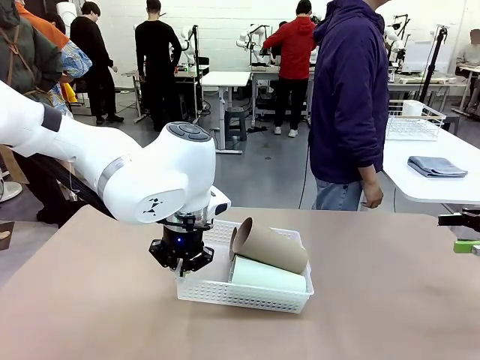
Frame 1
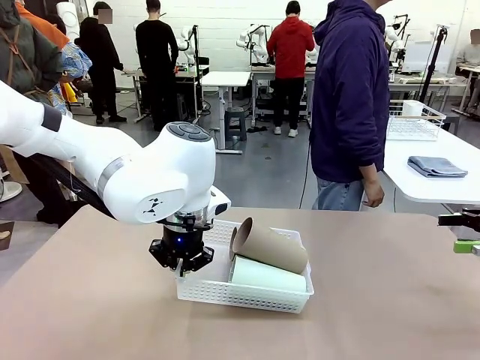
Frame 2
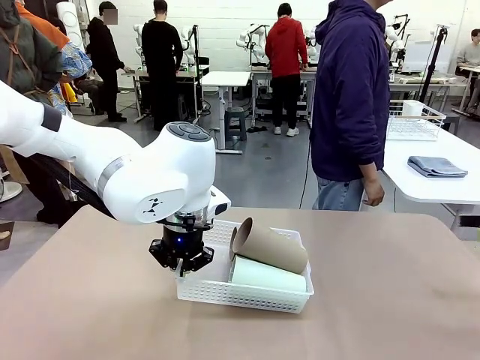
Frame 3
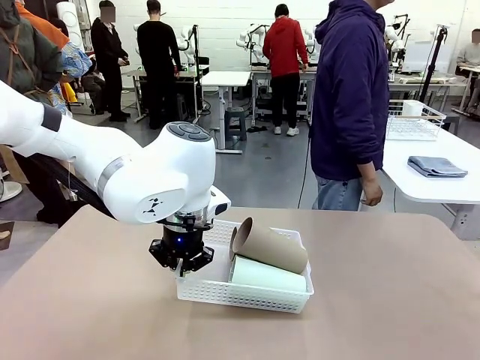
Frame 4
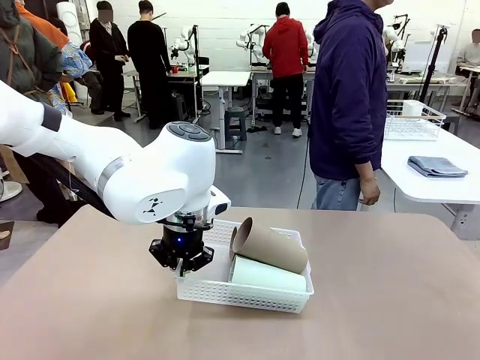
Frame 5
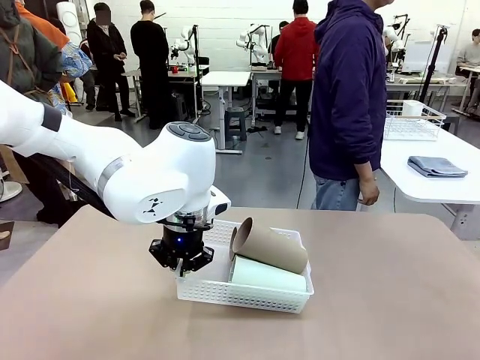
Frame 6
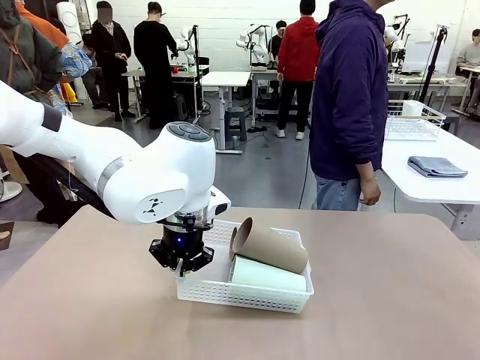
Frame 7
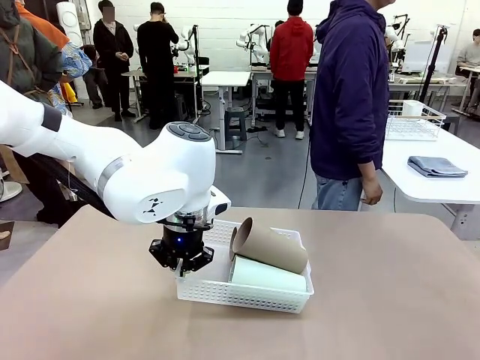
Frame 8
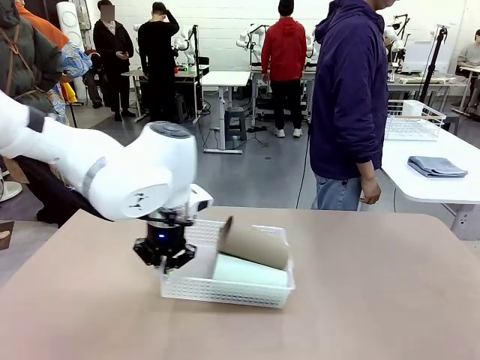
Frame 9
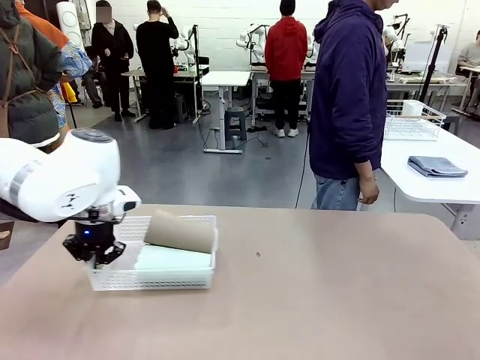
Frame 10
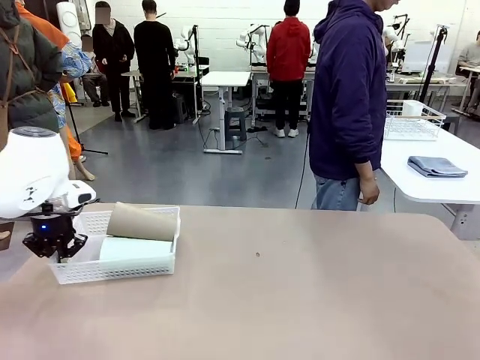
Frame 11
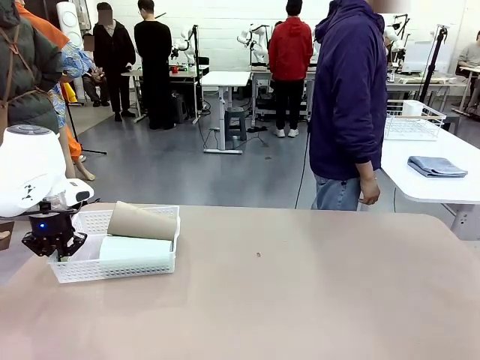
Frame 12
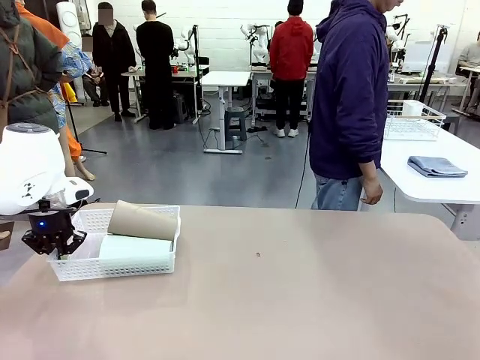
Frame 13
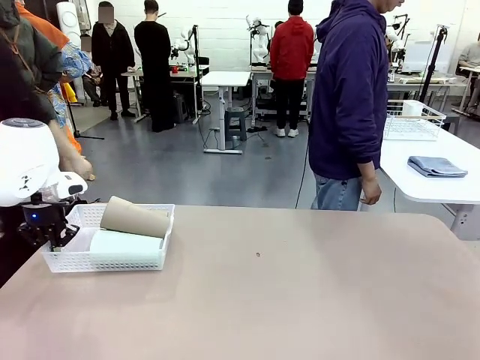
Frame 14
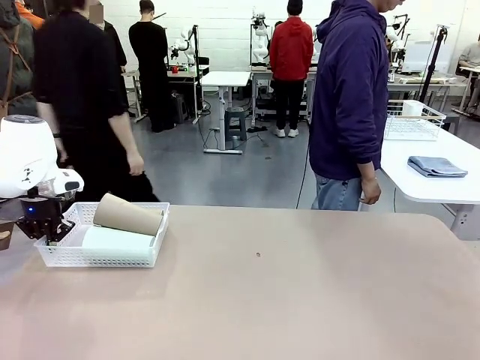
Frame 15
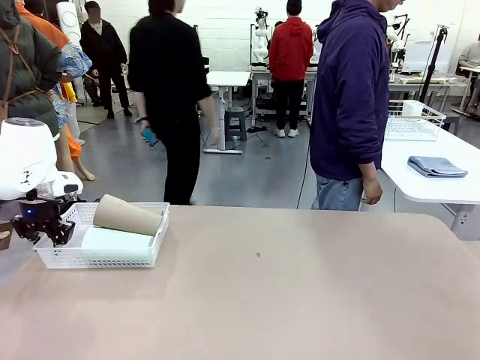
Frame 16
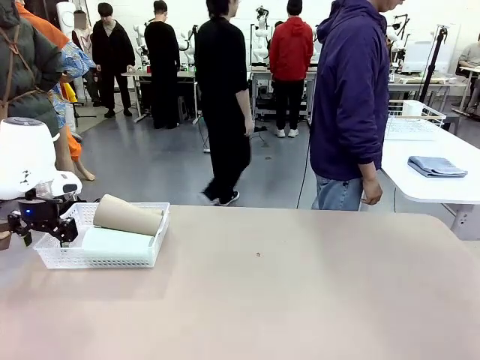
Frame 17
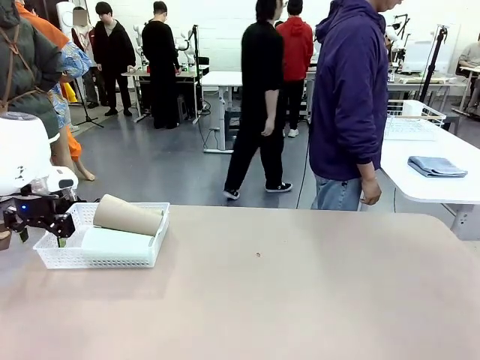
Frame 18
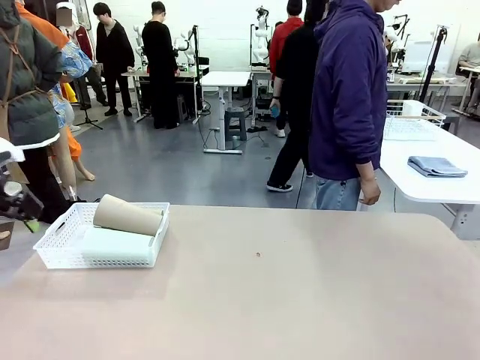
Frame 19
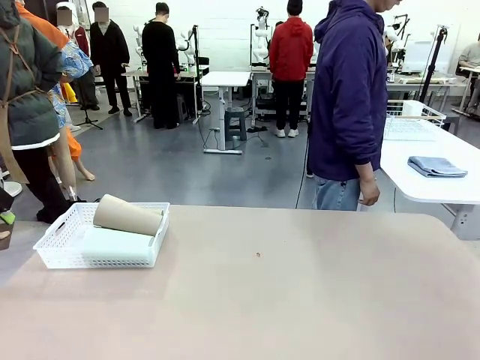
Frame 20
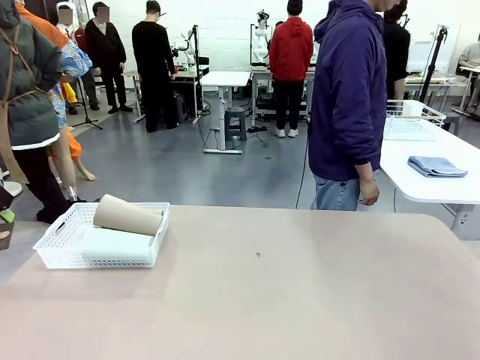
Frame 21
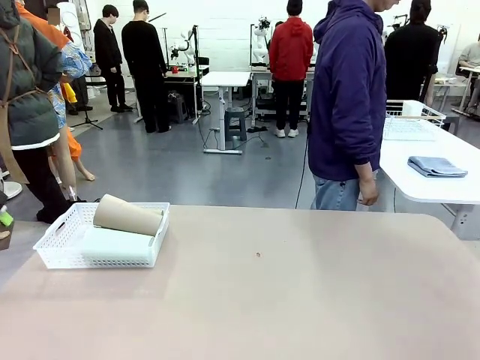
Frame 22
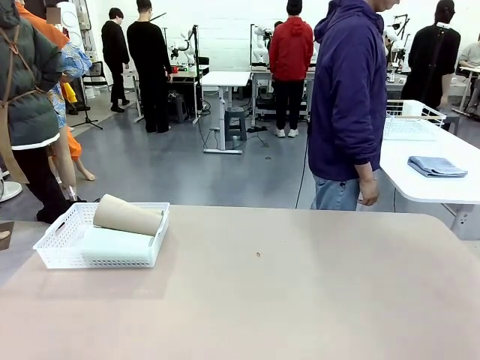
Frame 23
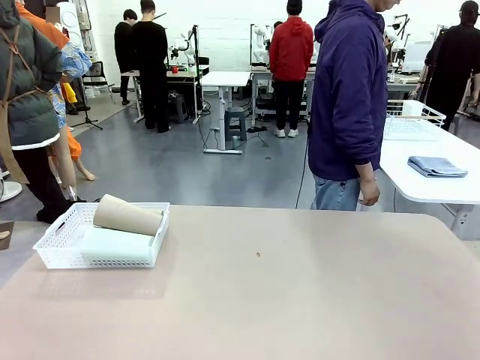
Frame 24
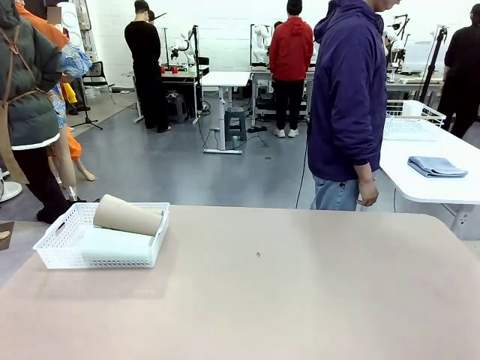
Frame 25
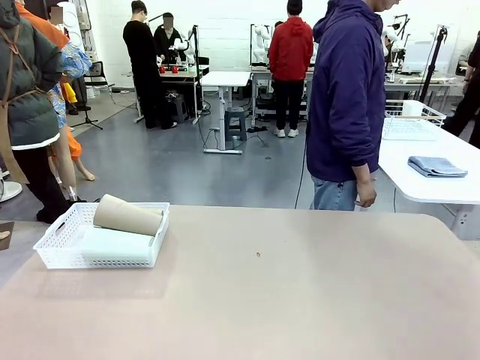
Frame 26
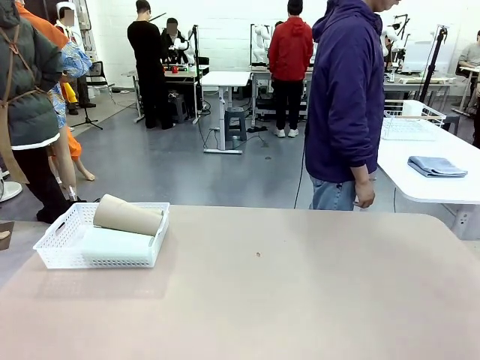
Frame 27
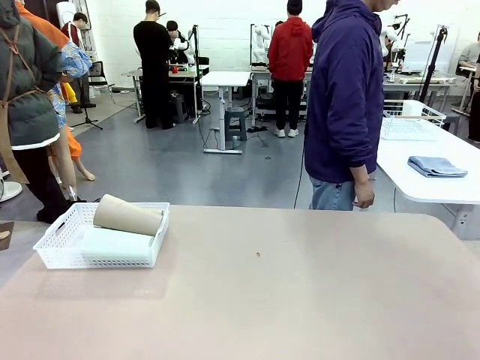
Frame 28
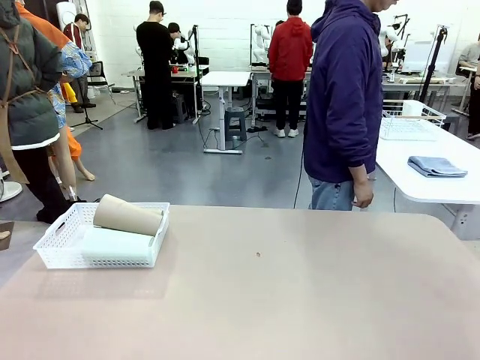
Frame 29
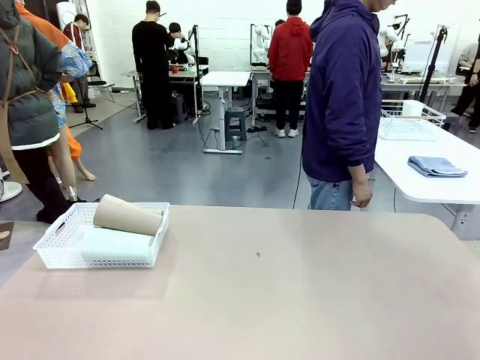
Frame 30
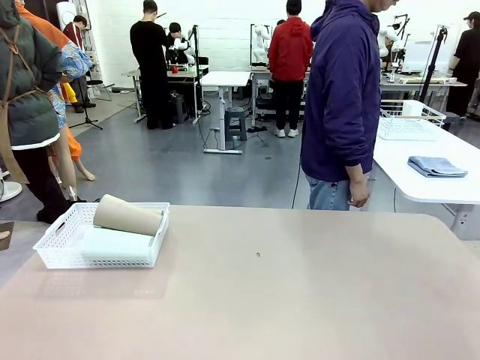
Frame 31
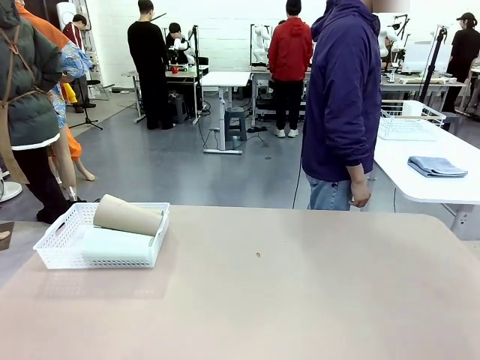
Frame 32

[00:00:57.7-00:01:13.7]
Task: Clean and organize the cups into the basket.
Robot: Move the Organizing basket back to the left side of the table.
Person: Folds the towel in half twice and places it in the right of the table.

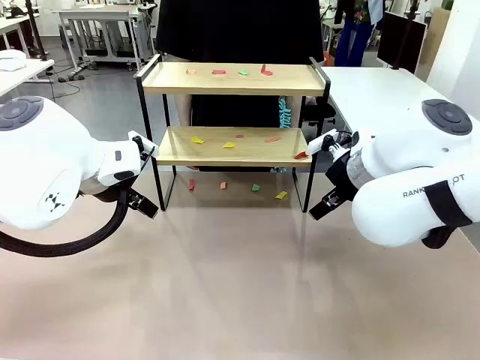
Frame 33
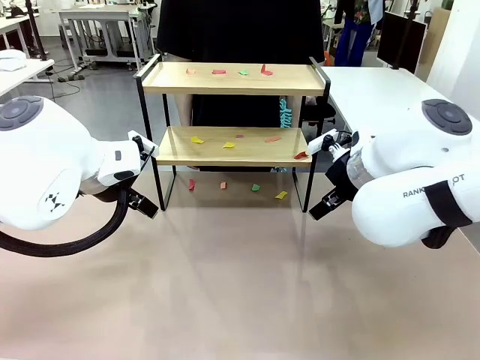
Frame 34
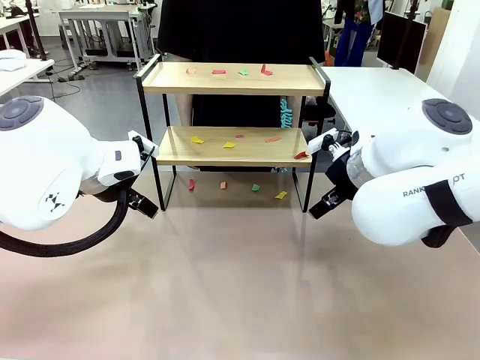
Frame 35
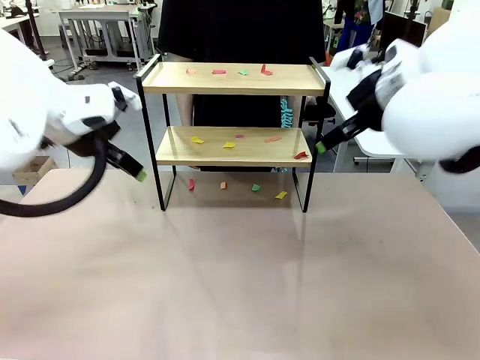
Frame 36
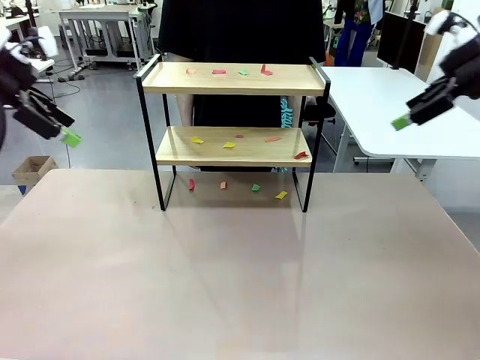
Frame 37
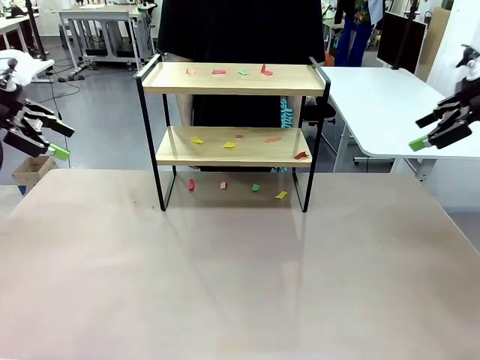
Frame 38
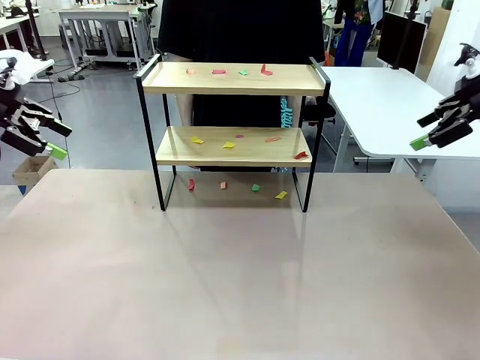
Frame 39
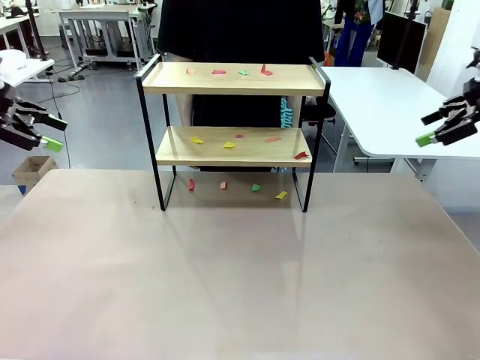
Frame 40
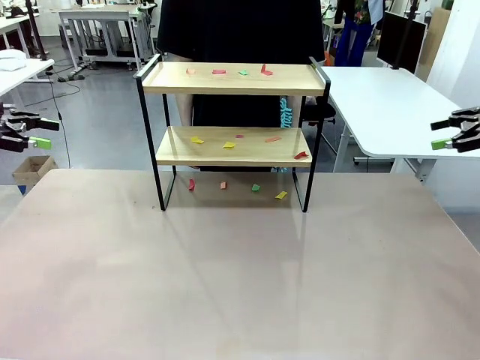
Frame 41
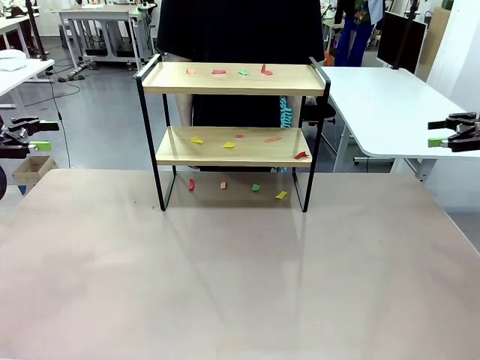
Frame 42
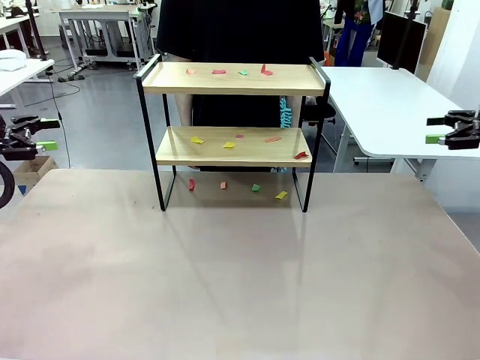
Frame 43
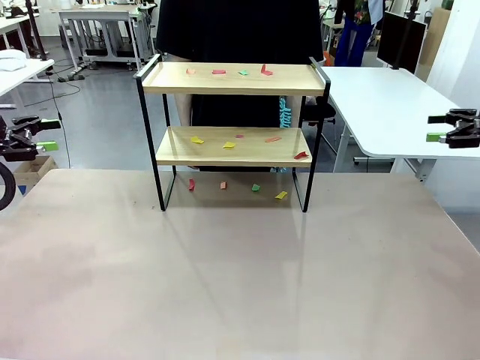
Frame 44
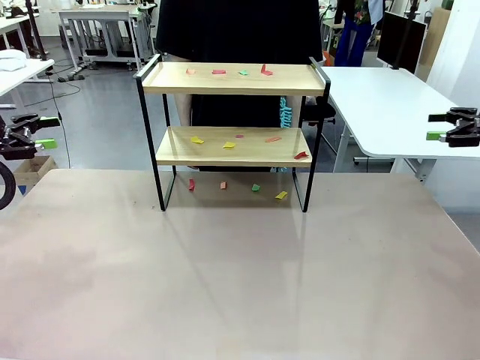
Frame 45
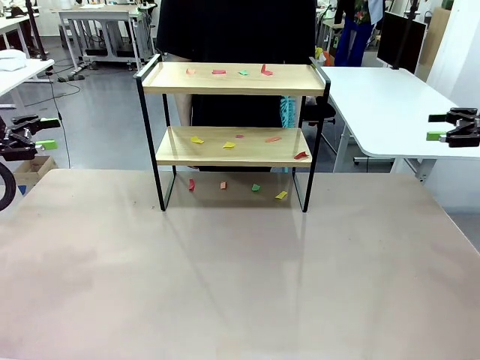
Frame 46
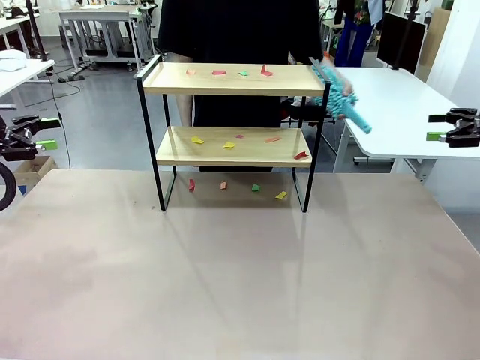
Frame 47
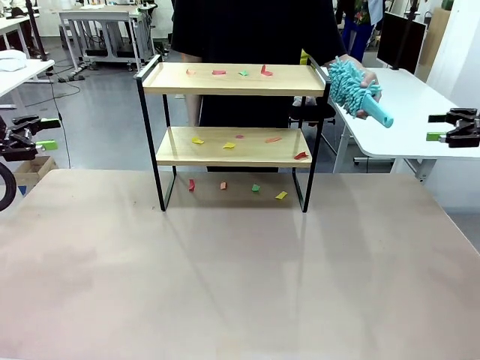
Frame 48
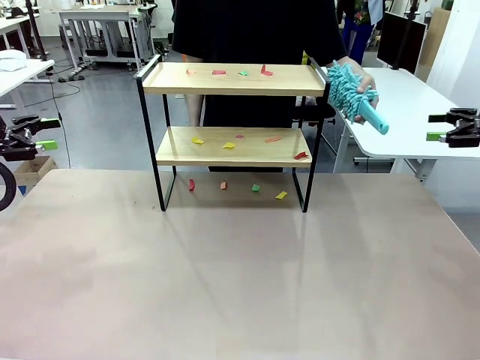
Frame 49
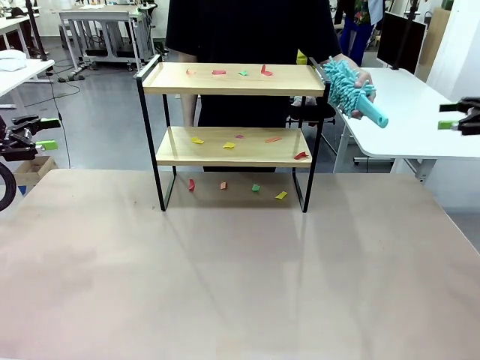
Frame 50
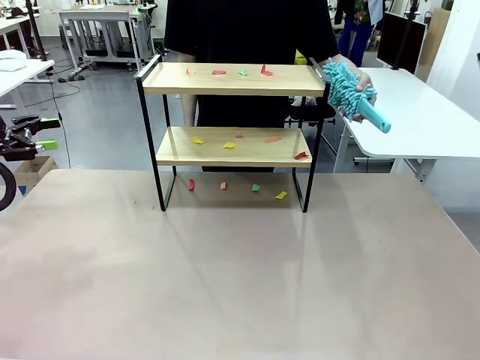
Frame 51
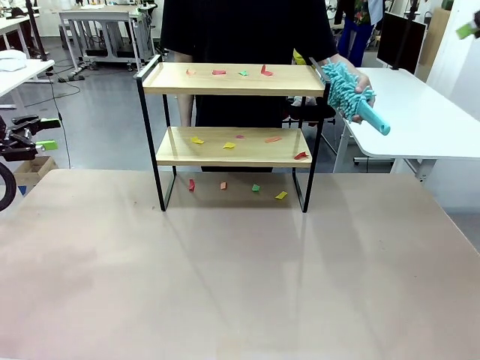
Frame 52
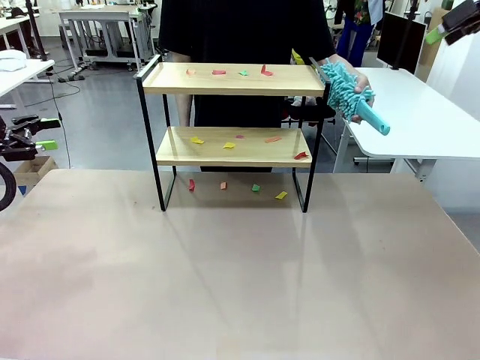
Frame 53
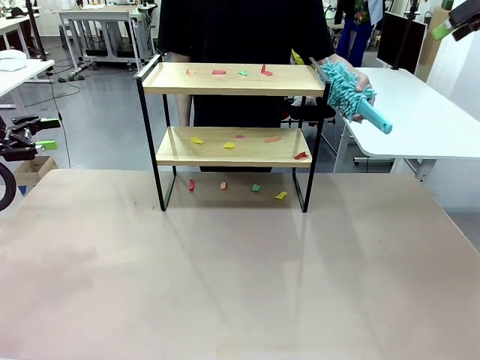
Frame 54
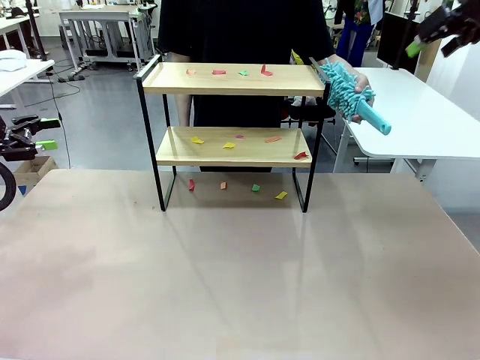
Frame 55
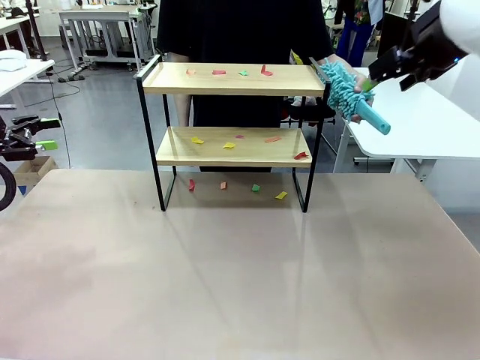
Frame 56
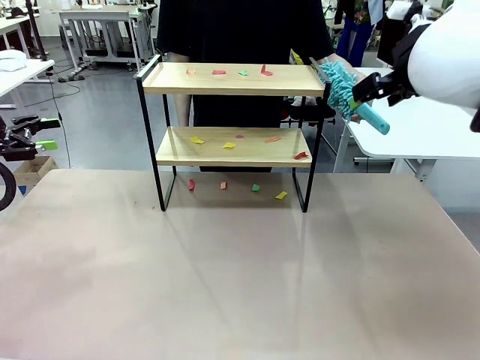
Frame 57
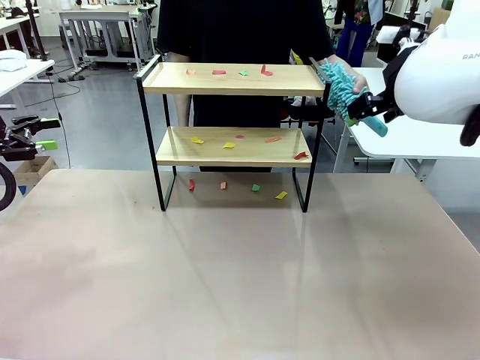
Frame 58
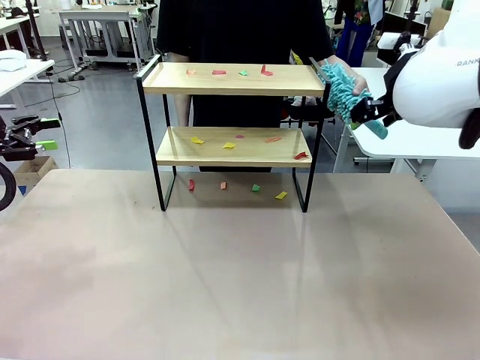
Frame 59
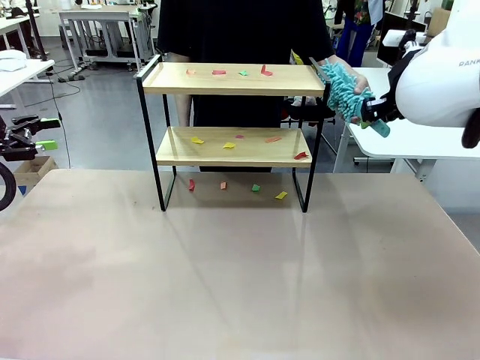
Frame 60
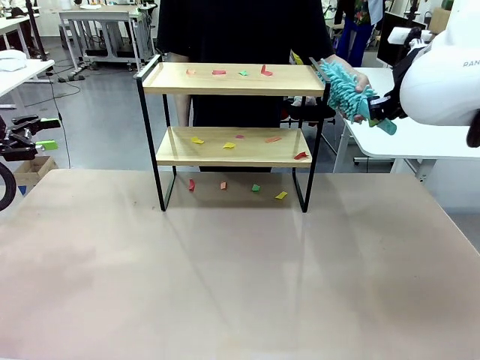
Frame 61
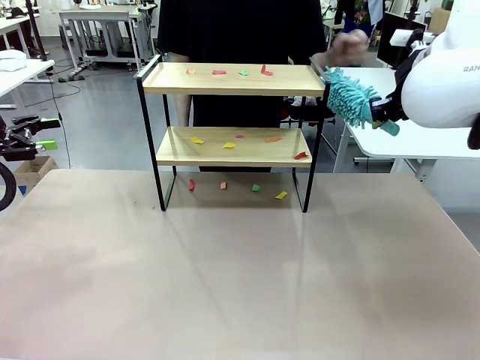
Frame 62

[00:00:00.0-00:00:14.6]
Task: Clean the shelf.
Robot: Pick up the Duster handed by the human.
Person: Hand the Duster to the robot.
